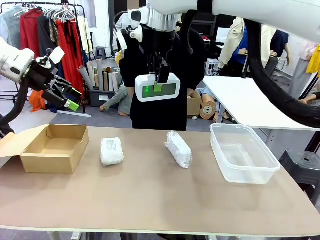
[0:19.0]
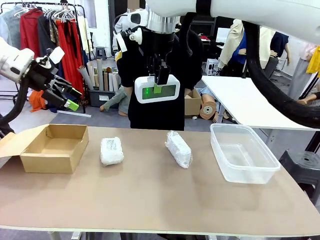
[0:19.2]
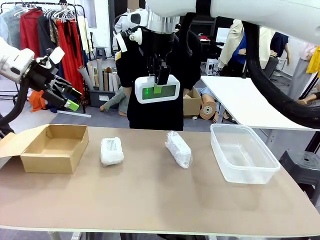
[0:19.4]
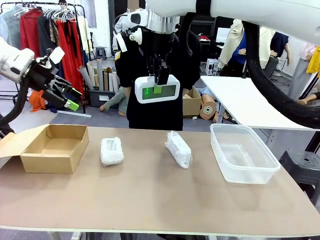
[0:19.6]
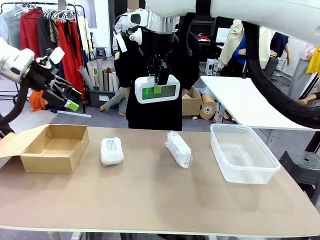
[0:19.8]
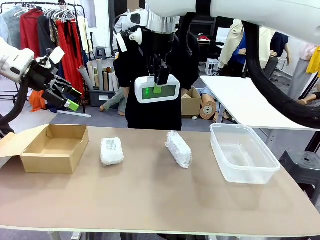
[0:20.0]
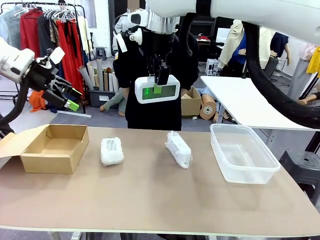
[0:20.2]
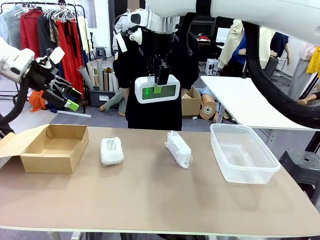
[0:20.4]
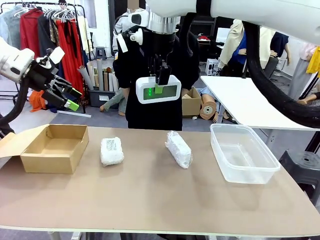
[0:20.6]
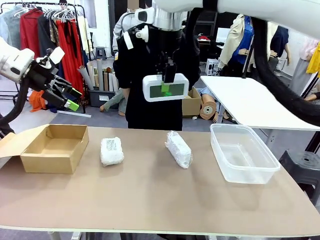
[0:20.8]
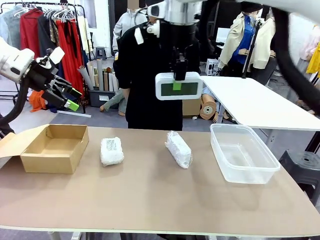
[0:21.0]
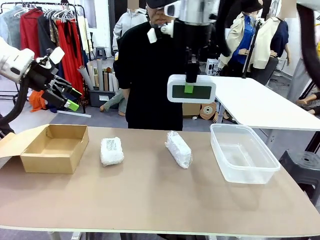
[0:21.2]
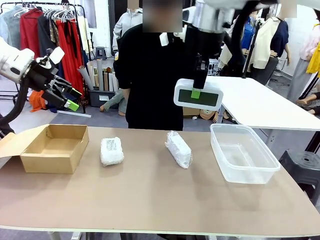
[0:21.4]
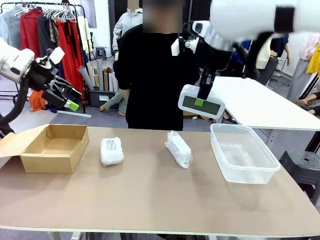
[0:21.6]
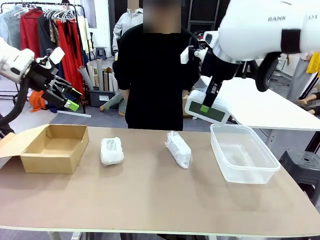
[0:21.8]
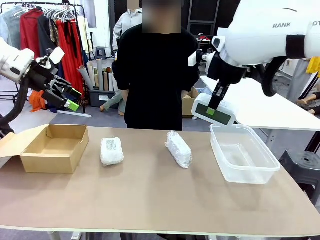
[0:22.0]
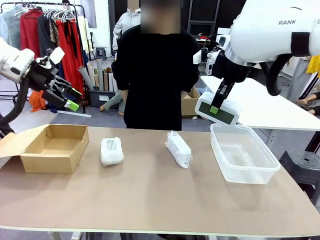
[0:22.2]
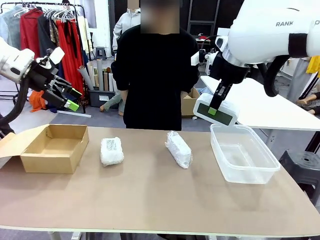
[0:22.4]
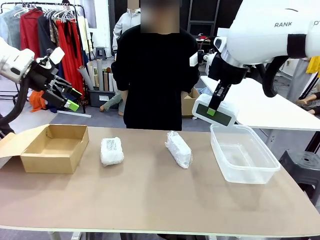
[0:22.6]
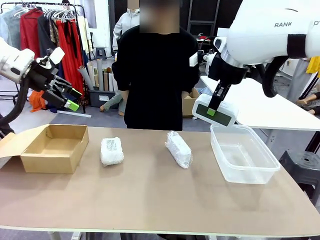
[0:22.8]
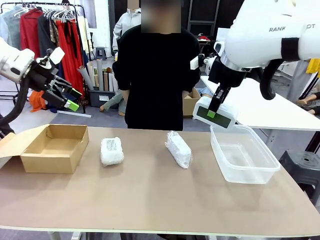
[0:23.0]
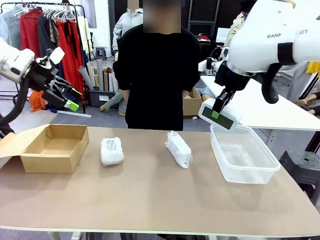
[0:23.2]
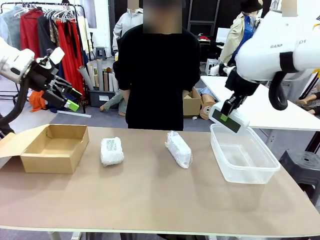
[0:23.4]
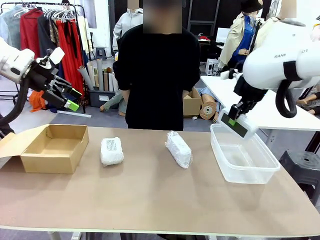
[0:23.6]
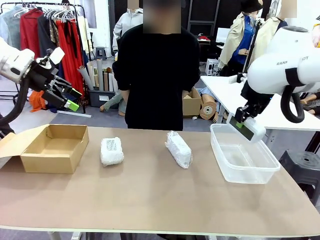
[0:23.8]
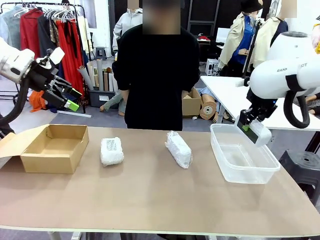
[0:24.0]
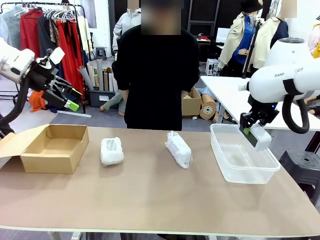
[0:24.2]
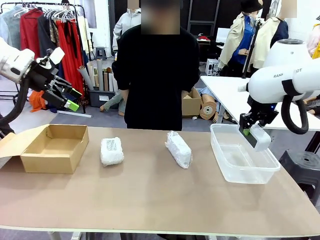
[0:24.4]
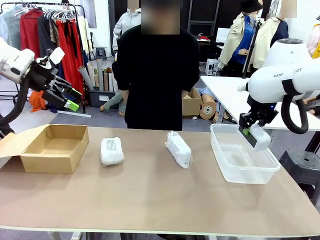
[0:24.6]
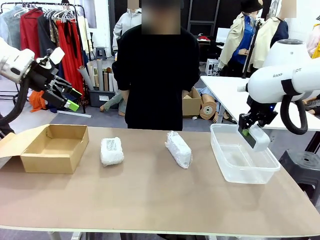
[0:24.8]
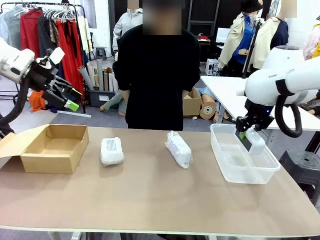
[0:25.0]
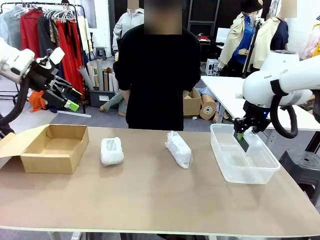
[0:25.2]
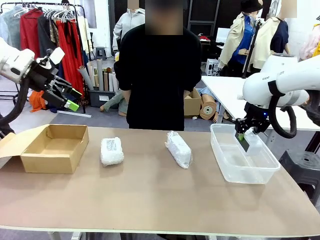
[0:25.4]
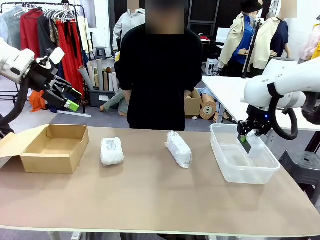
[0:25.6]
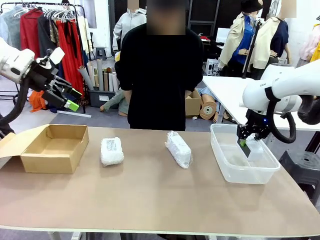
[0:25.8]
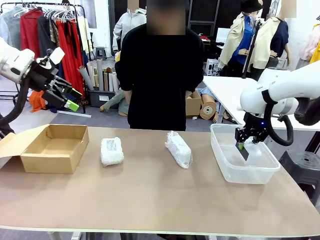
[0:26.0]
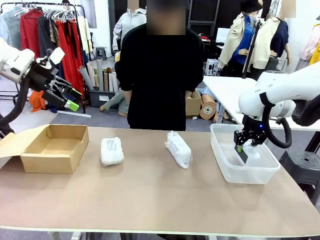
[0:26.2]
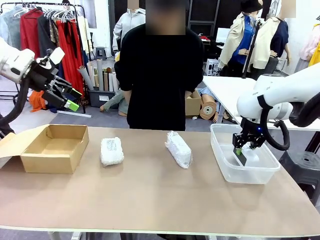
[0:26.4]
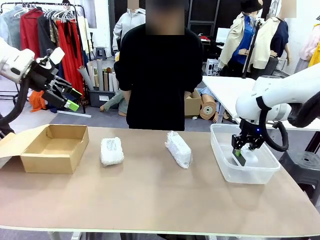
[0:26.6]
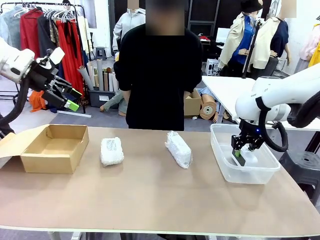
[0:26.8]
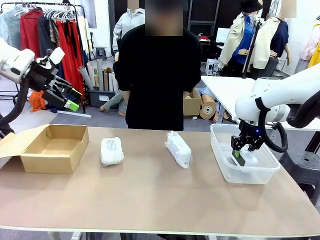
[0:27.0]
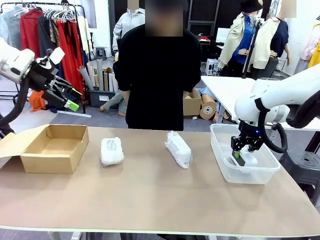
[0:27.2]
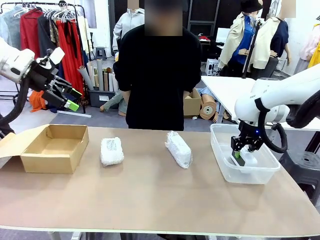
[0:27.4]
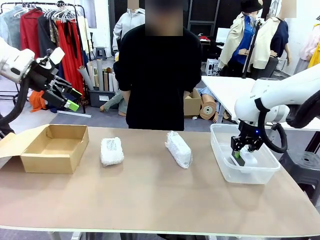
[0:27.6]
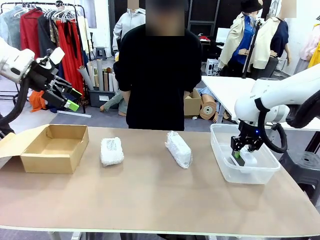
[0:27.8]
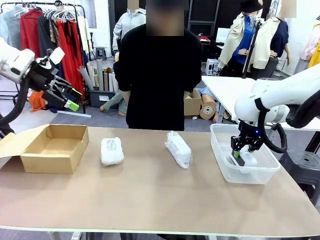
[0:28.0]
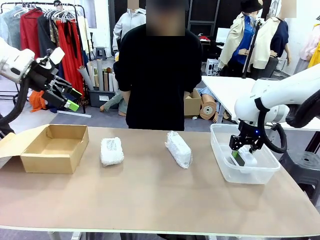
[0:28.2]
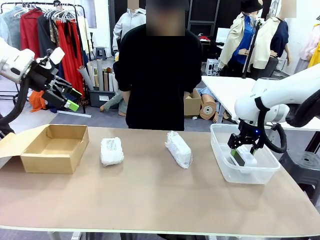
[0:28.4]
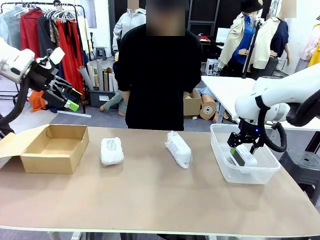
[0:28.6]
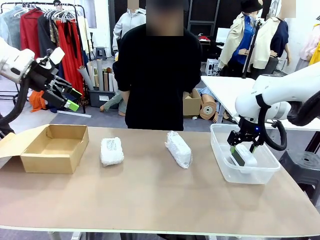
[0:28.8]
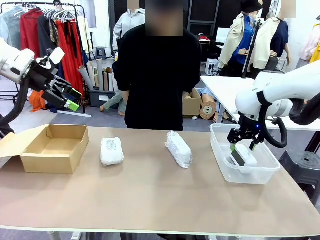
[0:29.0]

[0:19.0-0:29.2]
Task: Separate and place wrapped and unwrapped clocks.
Robot: If the picked Digital clock is wrapped, place it in the Package Box ; if not, place it in the Organizing box.

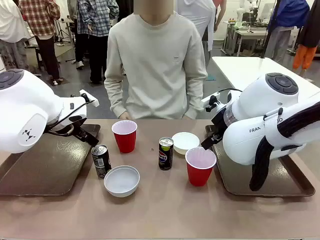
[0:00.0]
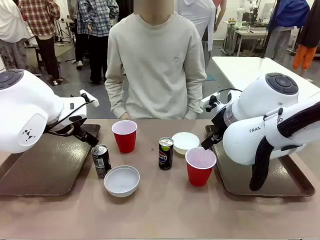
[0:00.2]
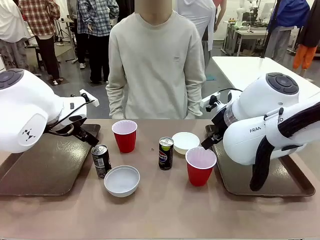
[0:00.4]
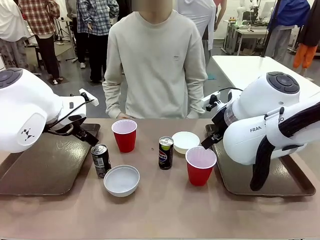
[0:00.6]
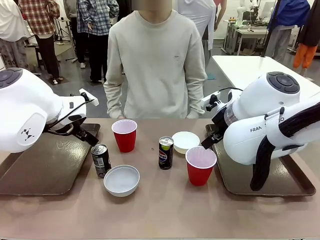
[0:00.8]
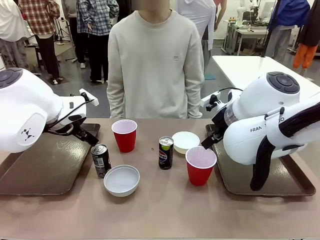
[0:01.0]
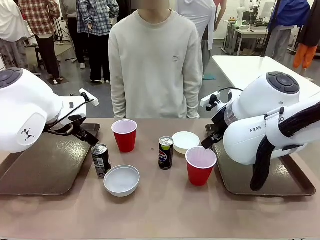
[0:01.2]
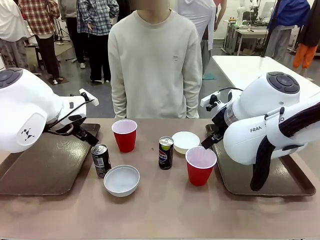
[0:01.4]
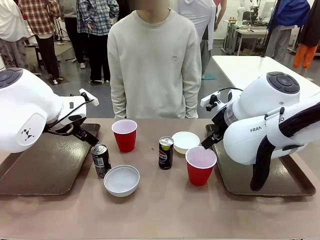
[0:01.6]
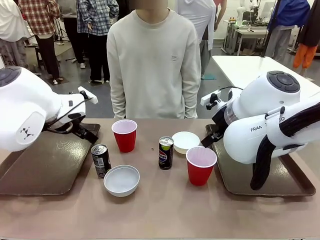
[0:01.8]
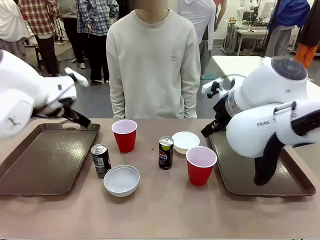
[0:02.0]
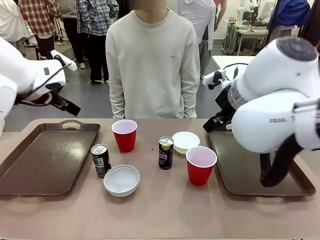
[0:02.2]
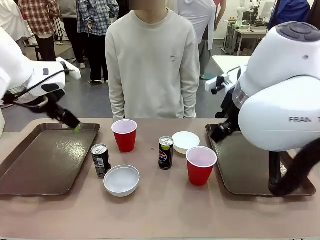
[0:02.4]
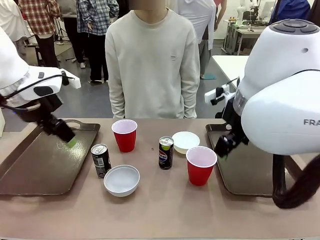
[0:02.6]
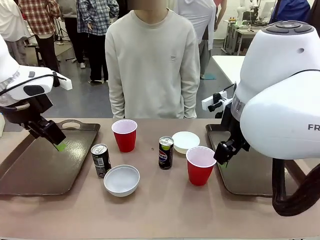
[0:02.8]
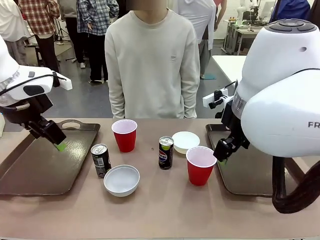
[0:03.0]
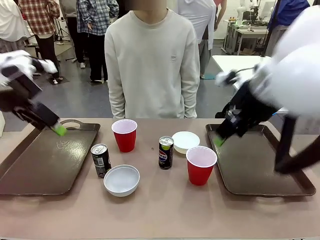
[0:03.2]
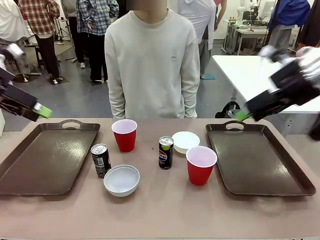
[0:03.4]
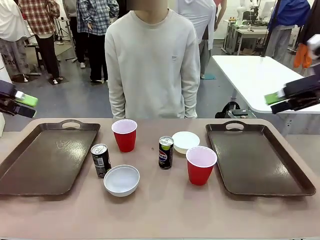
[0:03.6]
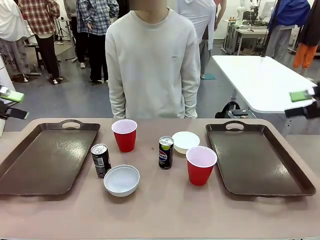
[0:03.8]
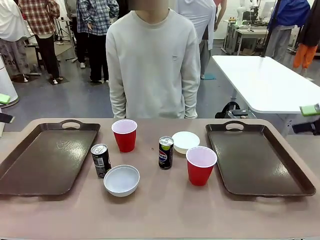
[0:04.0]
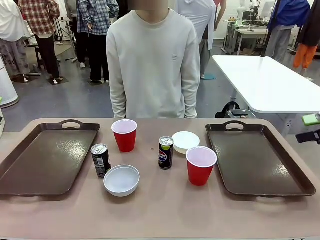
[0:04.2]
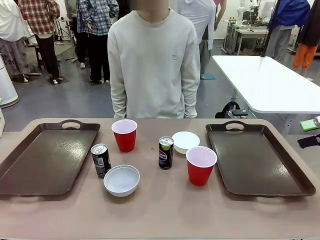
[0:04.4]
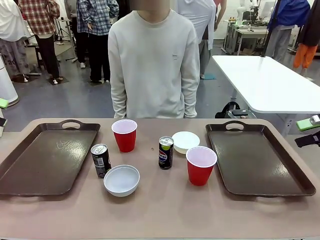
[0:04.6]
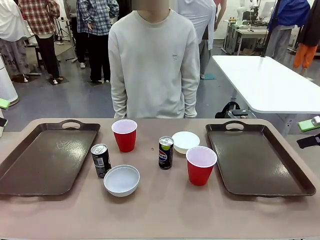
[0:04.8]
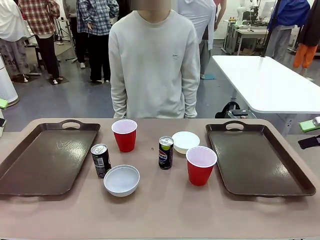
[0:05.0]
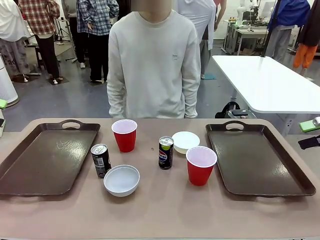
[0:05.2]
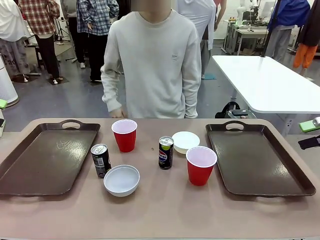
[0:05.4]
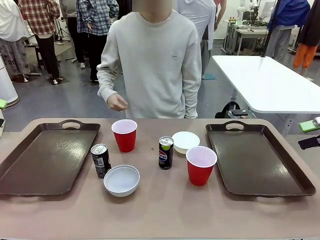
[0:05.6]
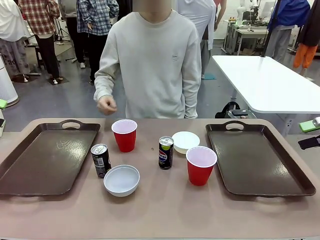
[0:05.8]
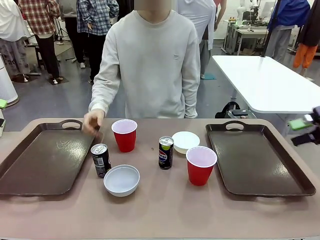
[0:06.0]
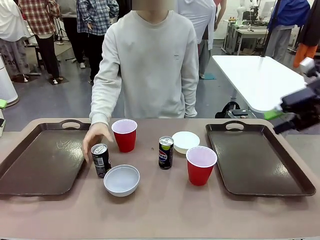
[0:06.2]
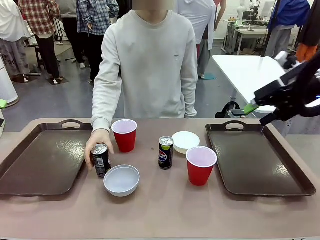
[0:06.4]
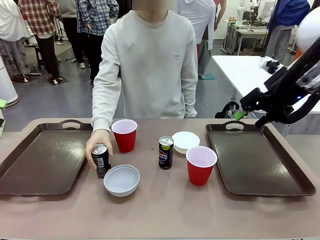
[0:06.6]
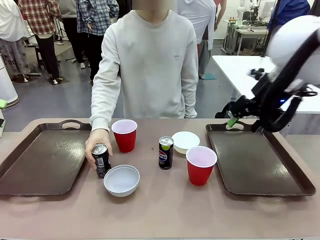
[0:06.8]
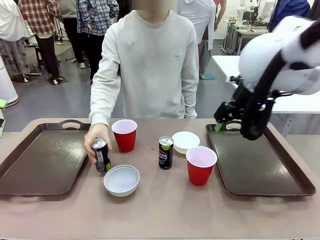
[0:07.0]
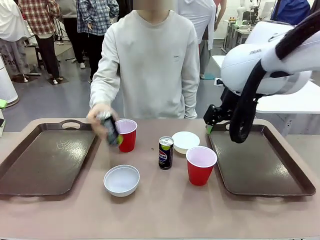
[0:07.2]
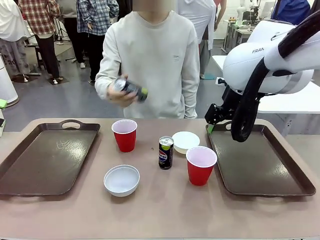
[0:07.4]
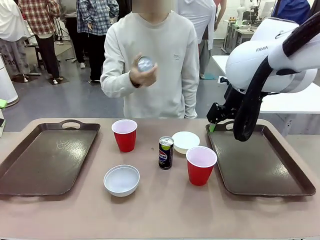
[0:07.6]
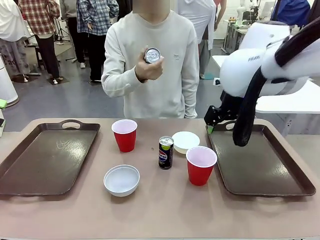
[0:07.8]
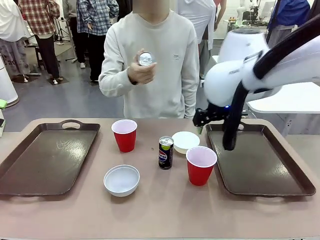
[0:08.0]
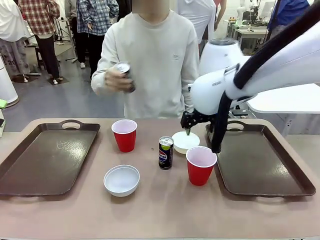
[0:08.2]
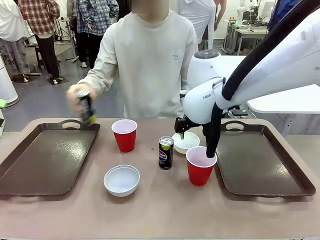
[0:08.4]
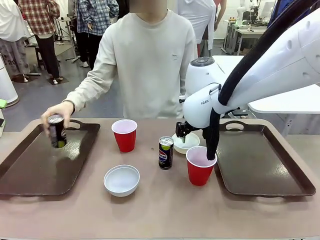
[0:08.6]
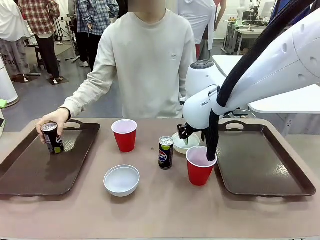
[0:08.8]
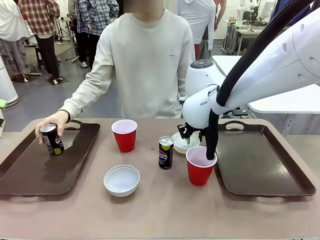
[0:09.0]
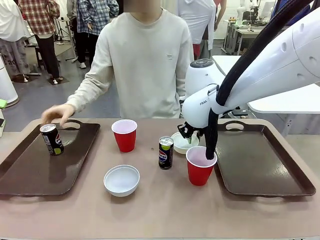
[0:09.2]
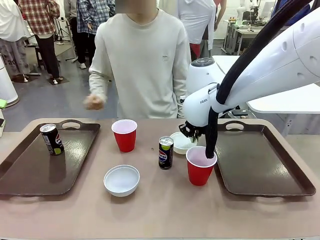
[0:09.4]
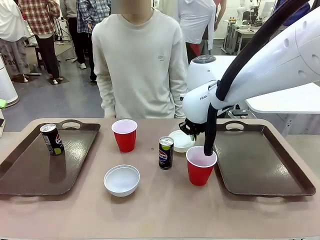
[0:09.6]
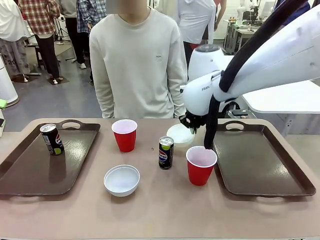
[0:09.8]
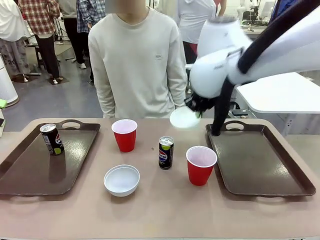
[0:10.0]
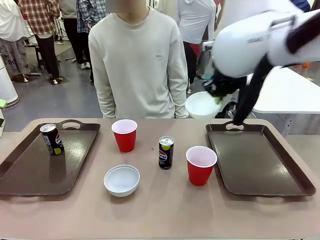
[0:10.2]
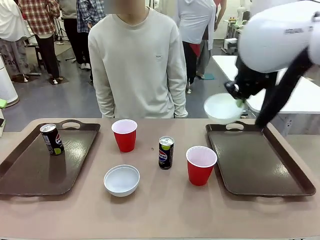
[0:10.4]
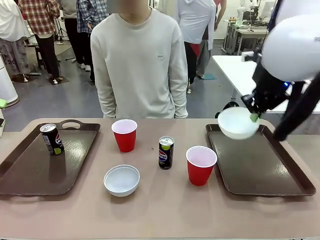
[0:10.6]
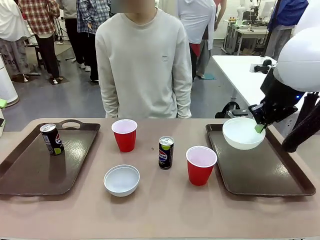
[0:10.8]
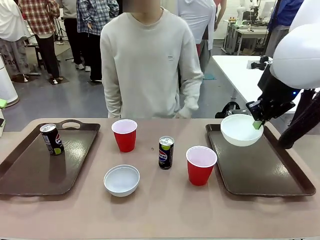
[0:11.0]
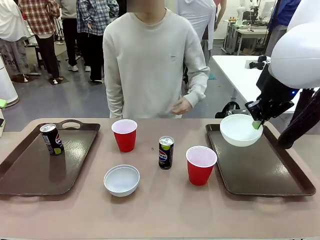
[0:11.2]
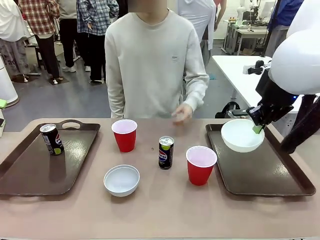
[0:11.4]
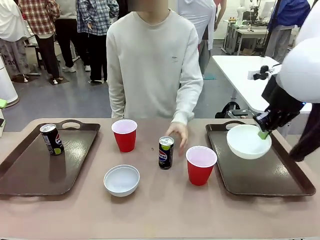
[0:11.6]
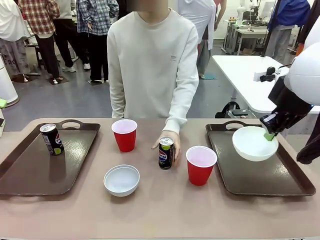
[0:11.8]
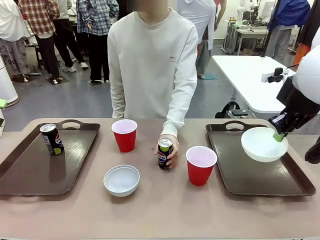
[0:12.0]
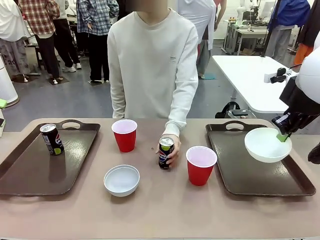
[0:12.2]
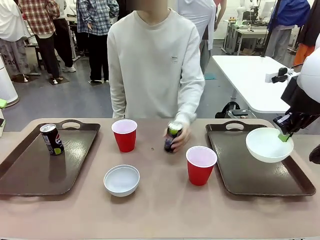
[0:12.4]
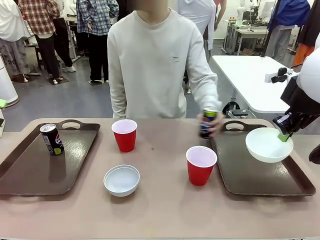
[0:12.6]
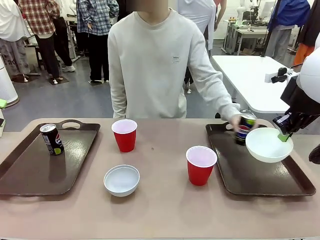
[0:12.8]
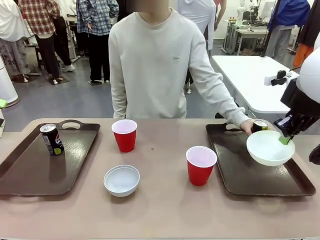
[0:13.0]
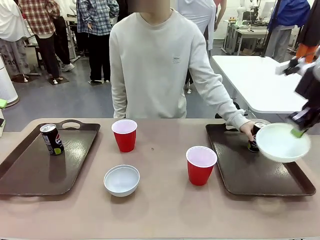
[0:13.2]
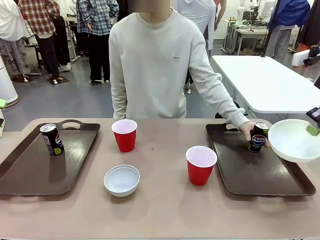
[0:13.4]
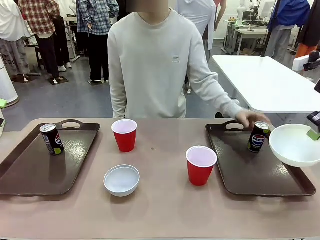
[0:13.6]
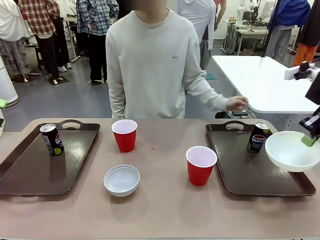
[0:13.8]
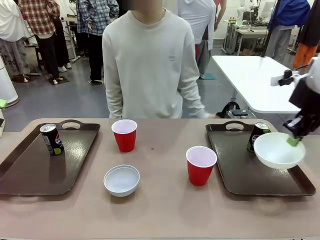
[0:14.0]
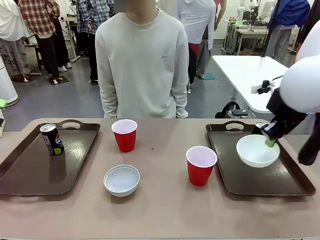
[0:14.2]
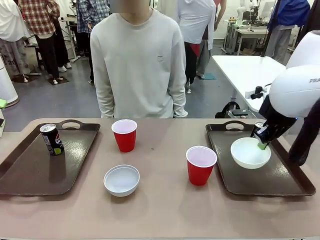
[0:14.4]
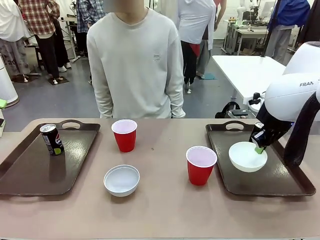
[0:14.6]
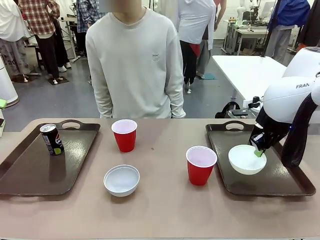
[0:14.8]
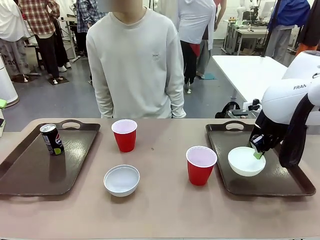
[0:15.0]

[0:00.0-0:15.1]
Task: Prepare tableware on both trays.
Robot: Pick up a Picnic Bowl from the table and place it on a Handle tray.
Person: Pick up a can or cup and place it on the tray.
